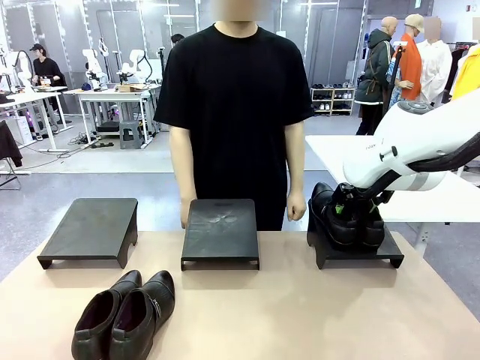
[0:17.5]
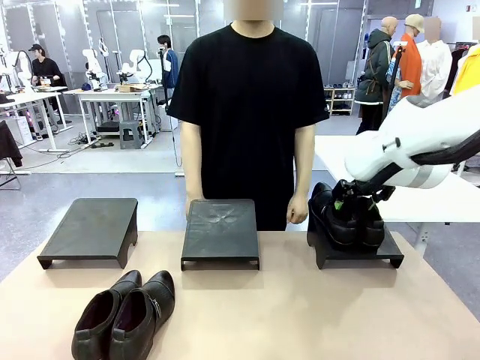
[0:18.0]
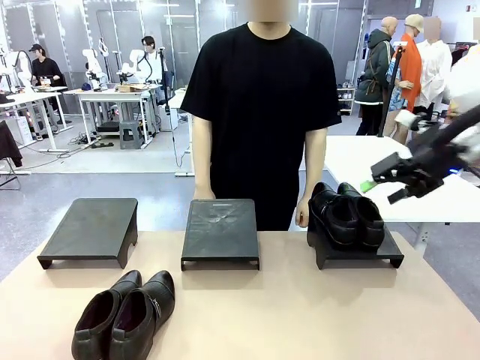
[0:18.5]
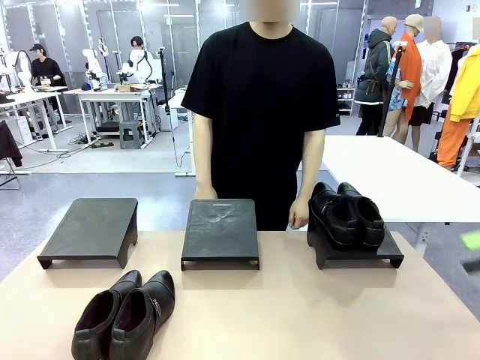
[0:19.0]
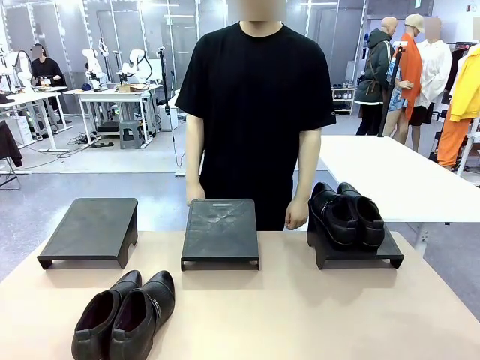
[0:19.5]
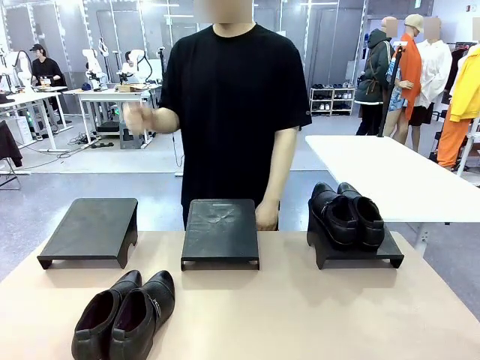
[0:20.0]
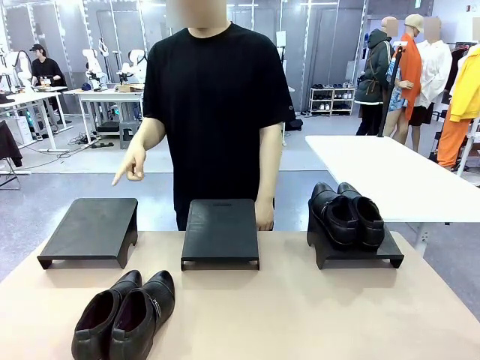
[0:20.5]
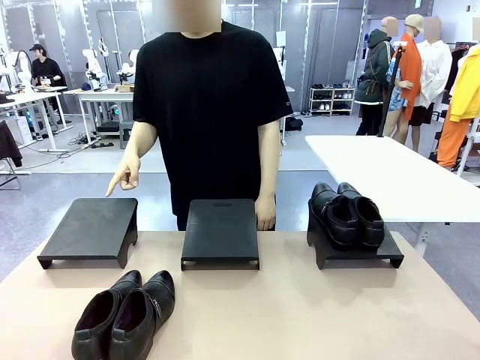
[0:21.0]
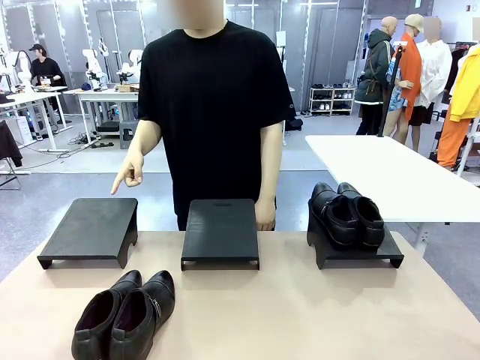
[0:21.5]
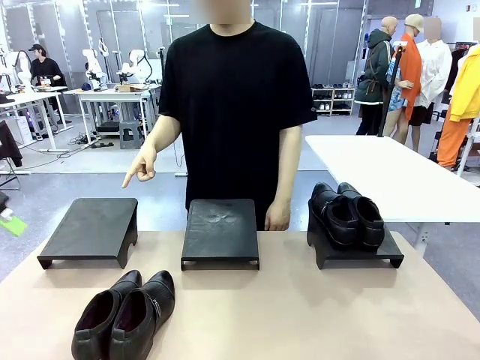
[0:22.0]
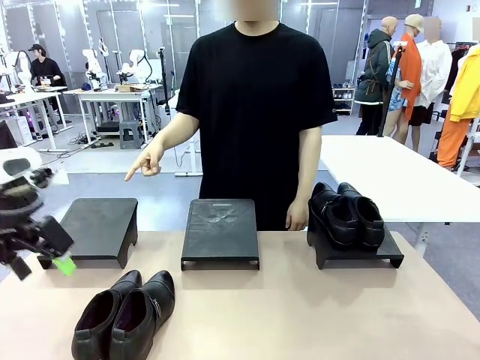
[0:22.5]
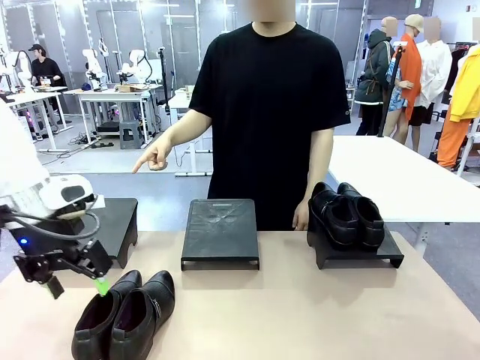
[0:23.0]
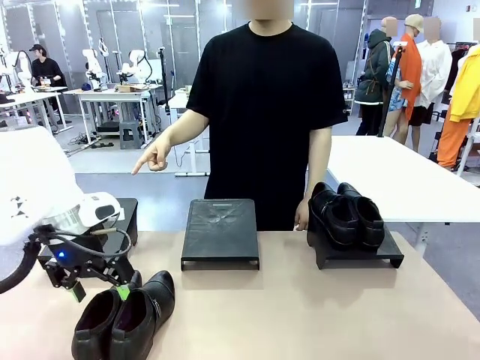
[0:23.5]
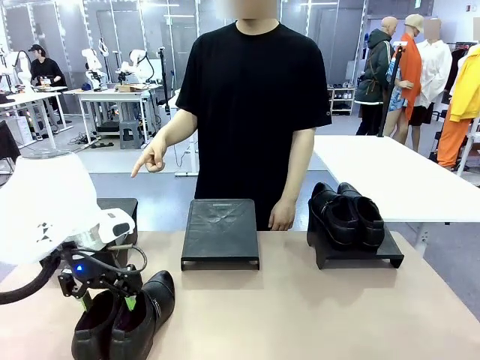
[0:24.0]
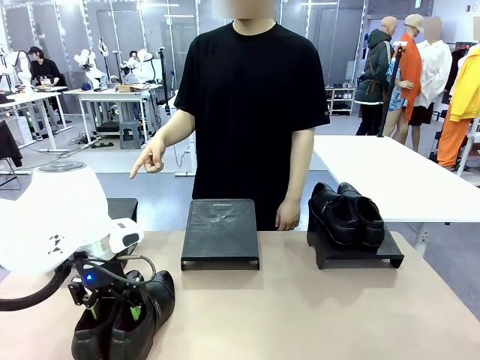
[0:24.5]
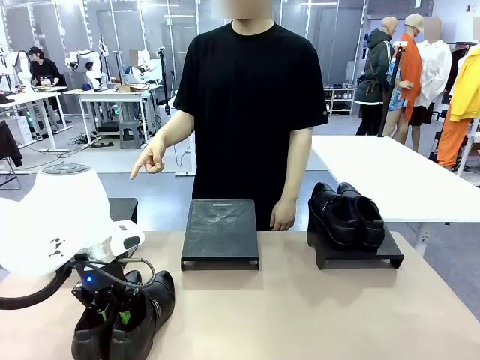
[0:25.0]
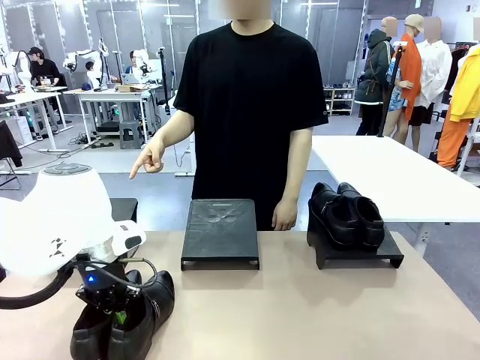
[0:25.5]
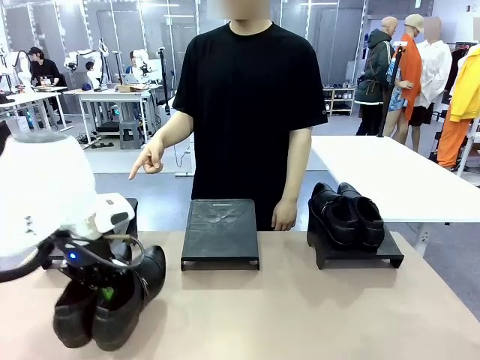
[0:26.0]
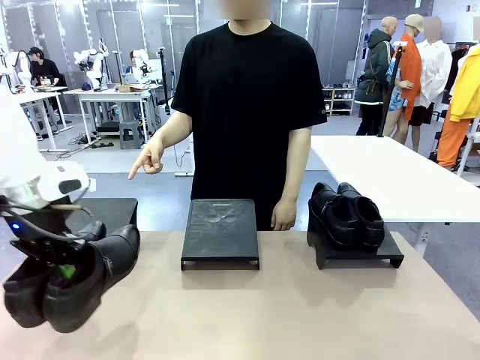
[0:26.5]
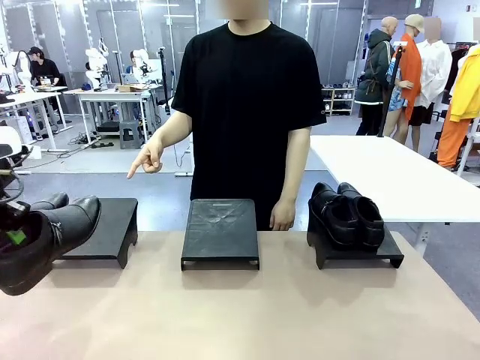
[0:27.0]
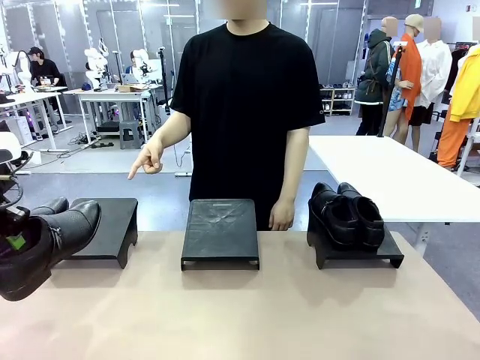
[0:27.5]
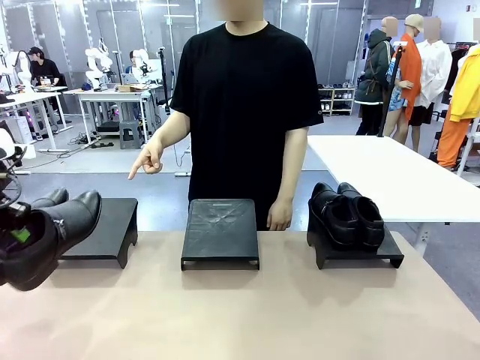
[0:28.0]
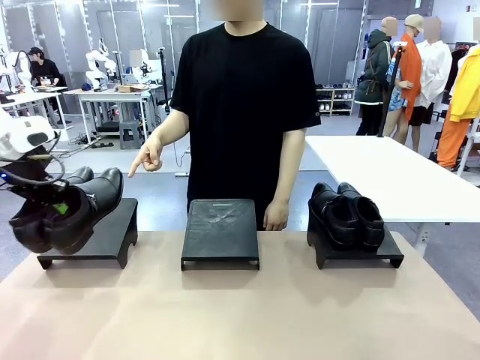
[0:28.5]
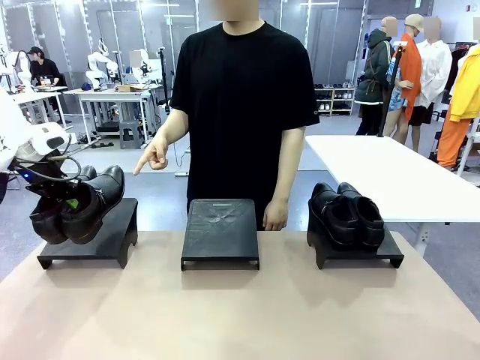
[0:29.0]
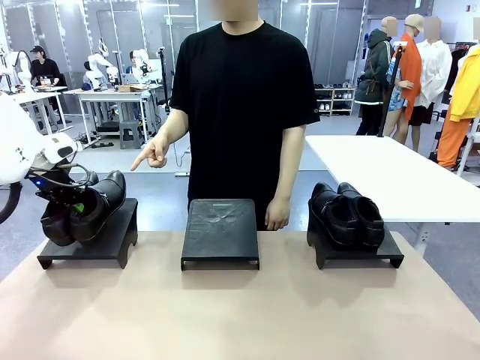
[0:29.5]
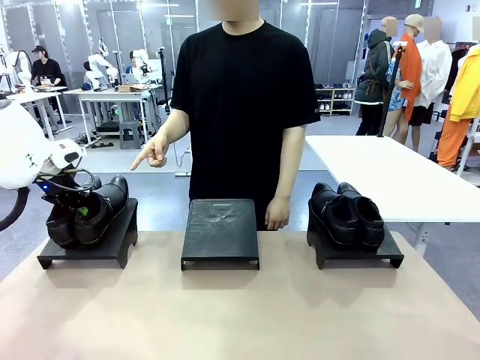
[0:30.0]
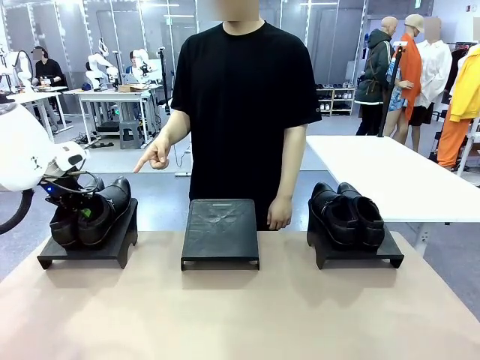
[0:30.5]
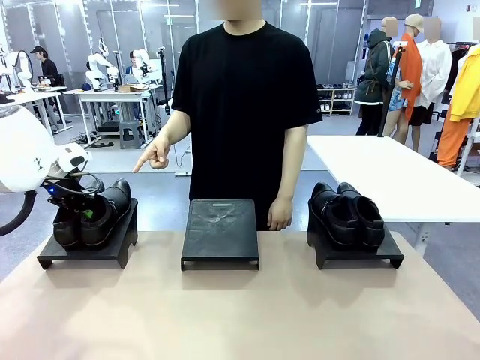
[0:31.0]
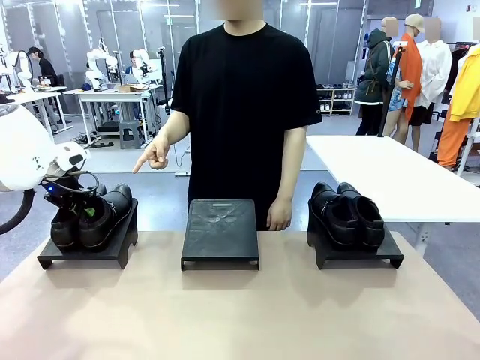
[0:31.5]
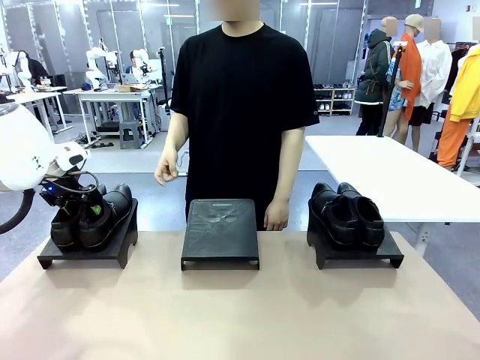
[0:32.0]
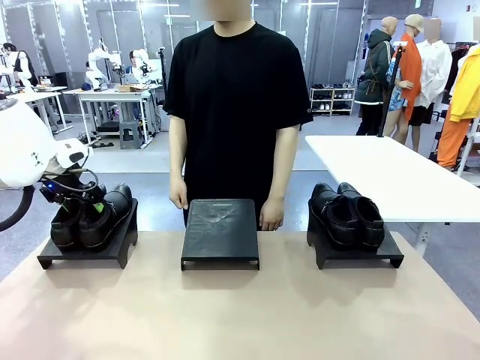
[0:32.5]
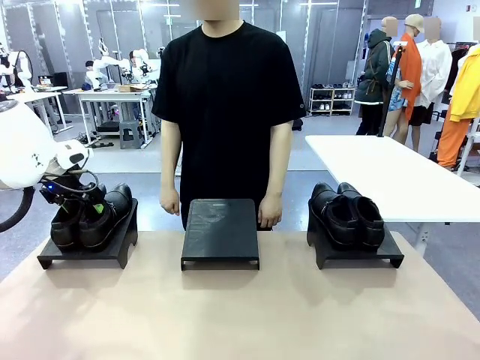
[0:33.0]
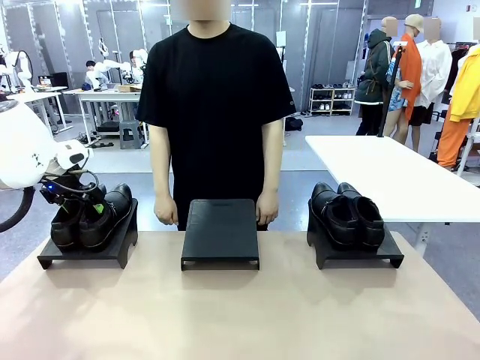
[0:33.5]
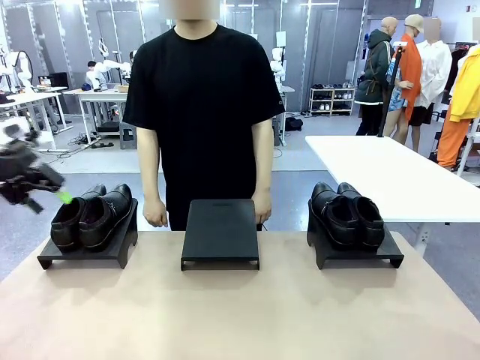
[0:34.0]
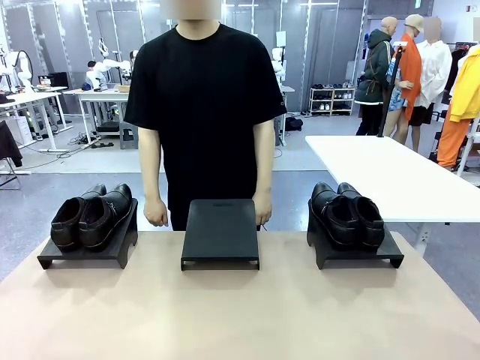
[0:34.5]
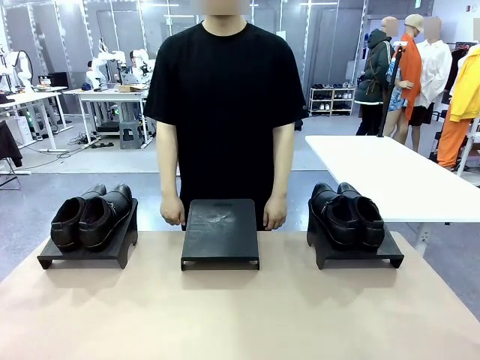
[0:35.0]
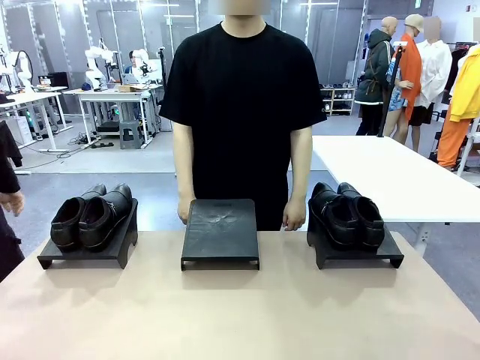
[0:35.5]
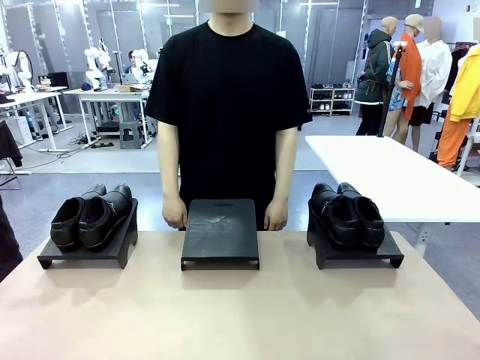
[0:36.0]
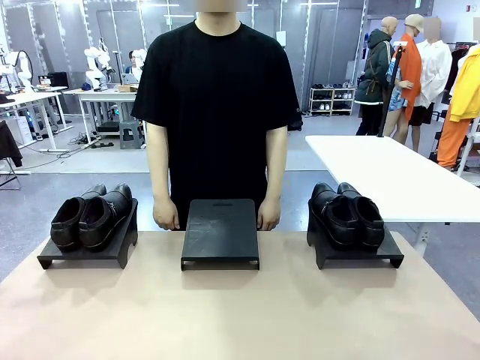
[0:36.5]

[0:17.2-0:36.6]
Task: Place the shoes on the stand as instructed by the person.
Robot: Pick up another pair of Shoes and place it on the Shoes Stand indicated by the person.
Person: Point to one Shoes Stand.
